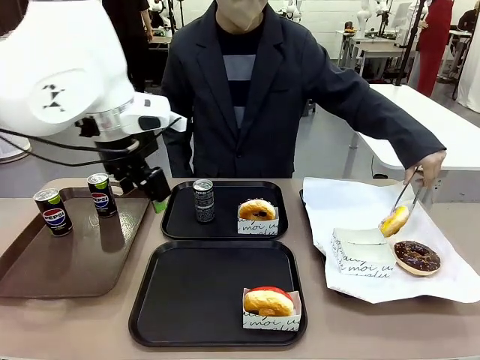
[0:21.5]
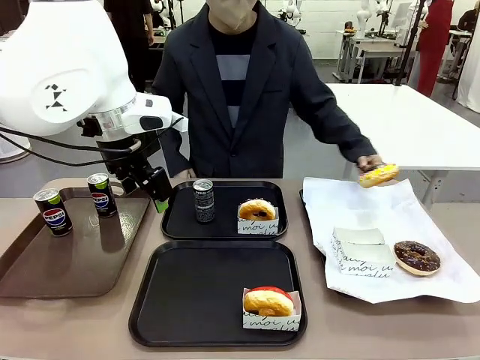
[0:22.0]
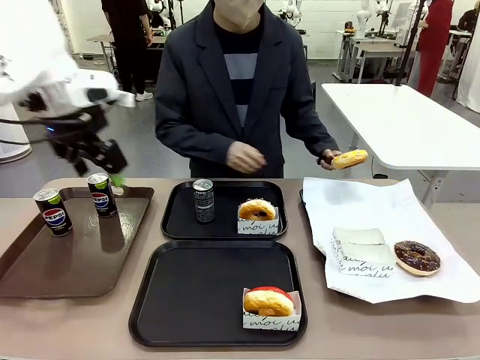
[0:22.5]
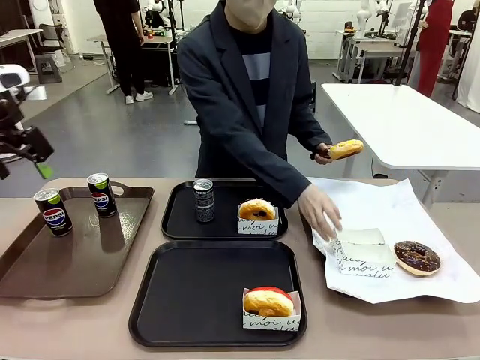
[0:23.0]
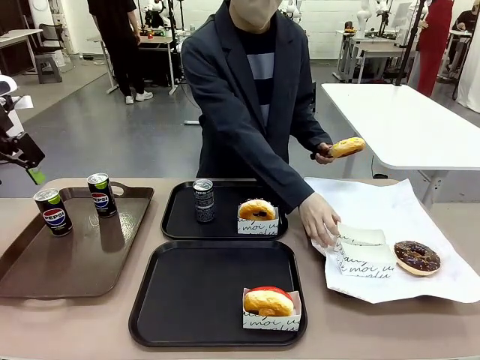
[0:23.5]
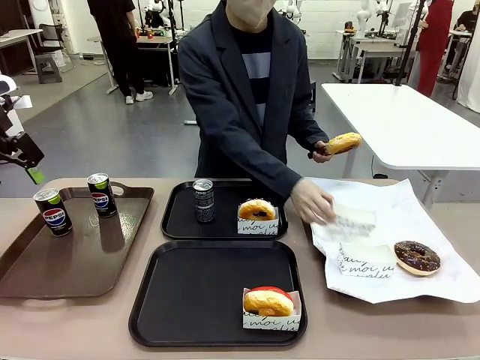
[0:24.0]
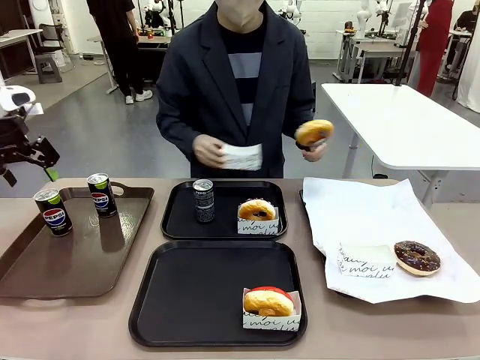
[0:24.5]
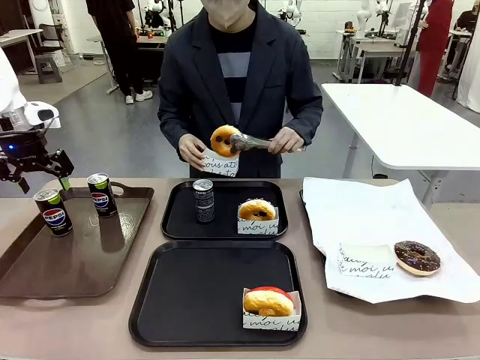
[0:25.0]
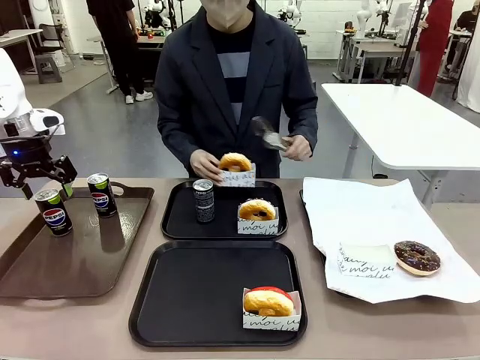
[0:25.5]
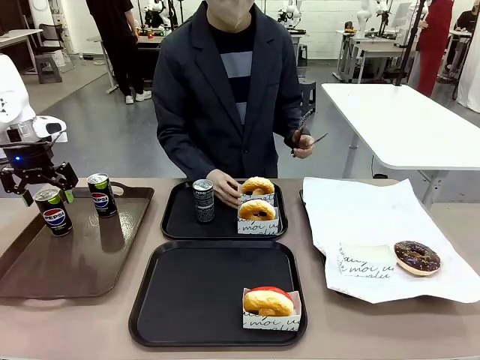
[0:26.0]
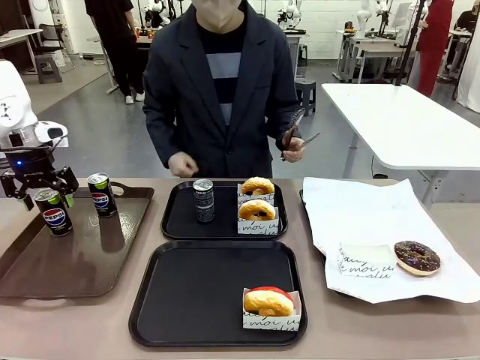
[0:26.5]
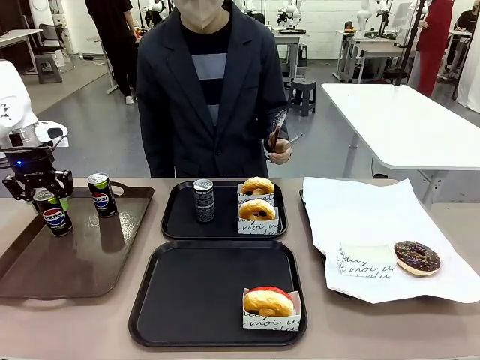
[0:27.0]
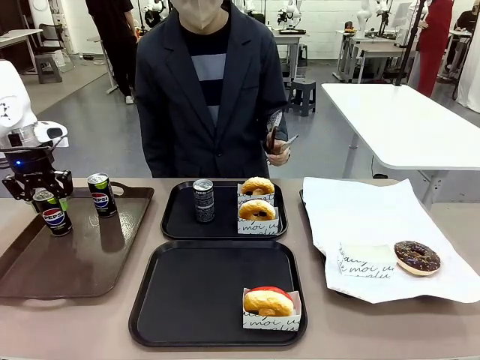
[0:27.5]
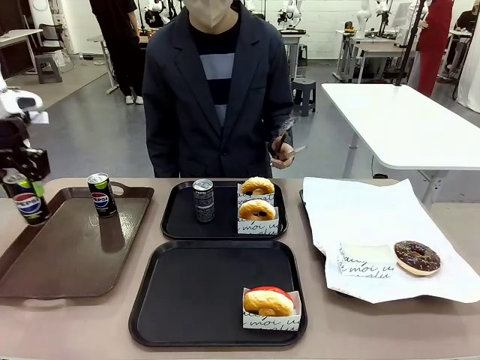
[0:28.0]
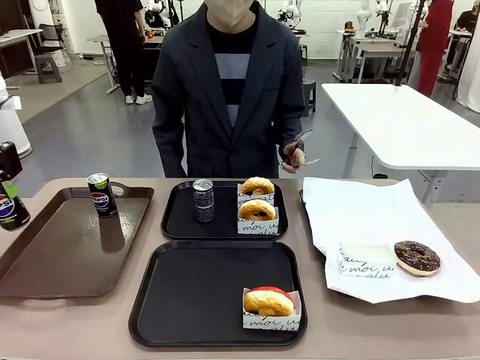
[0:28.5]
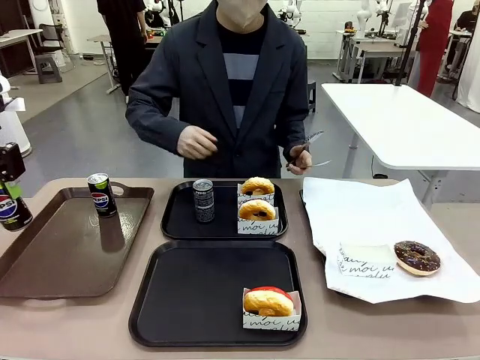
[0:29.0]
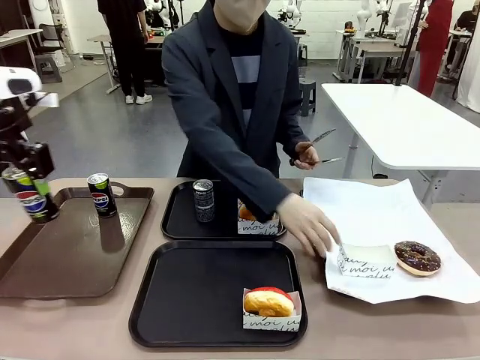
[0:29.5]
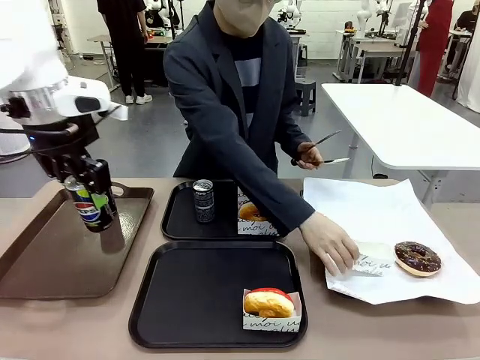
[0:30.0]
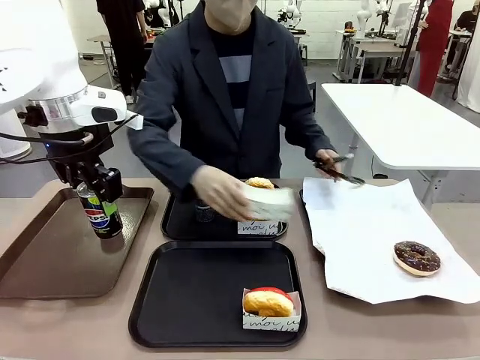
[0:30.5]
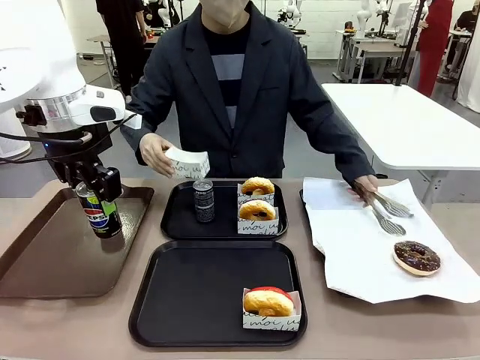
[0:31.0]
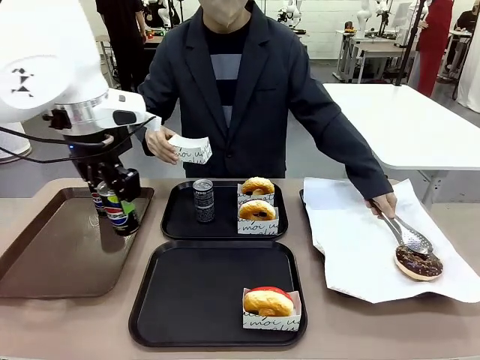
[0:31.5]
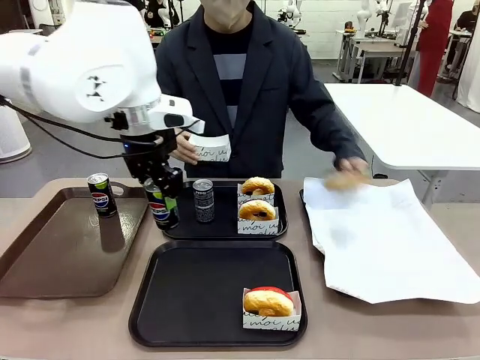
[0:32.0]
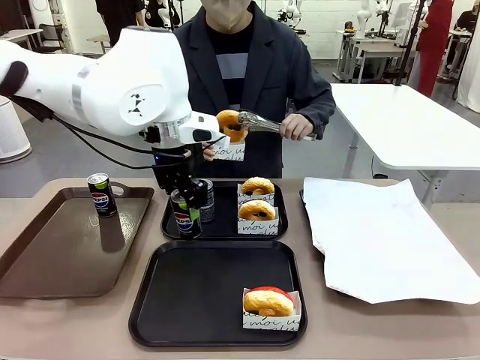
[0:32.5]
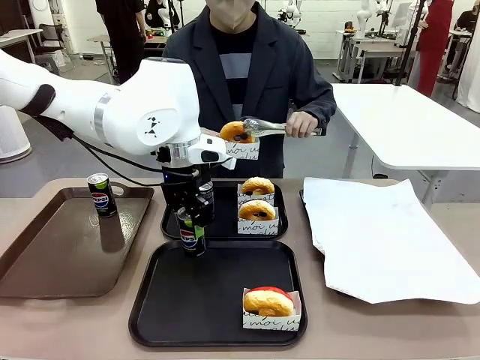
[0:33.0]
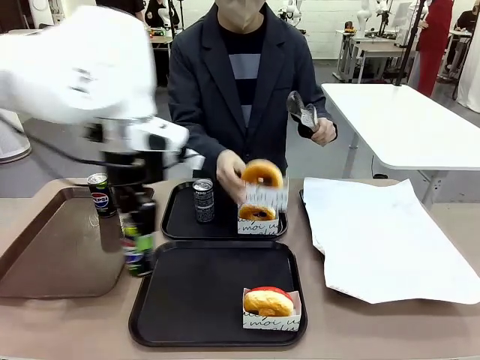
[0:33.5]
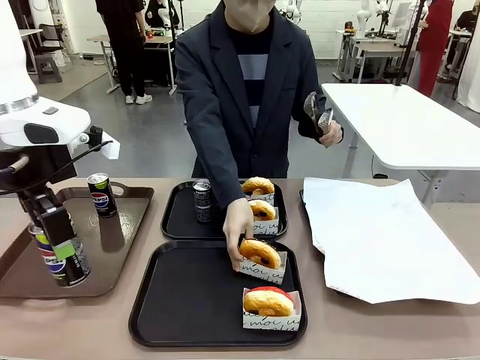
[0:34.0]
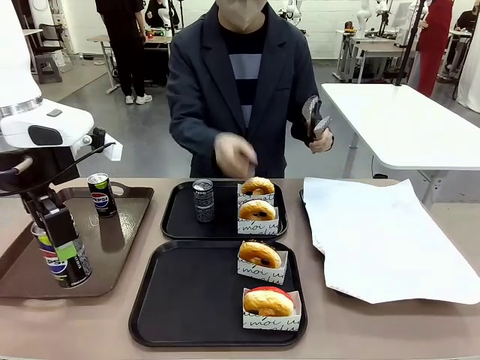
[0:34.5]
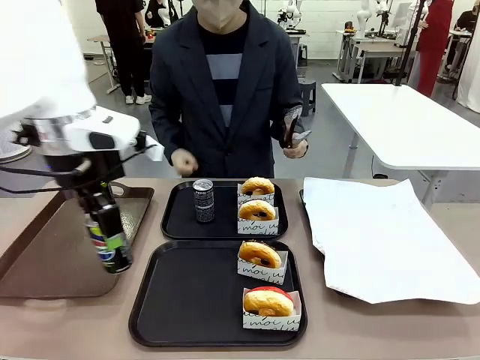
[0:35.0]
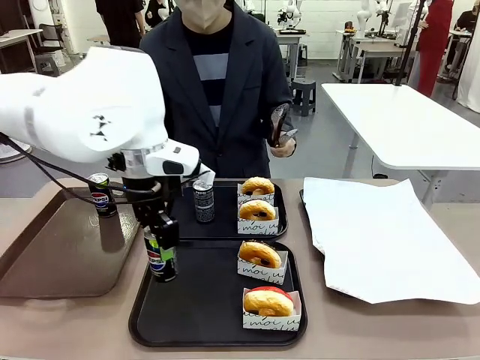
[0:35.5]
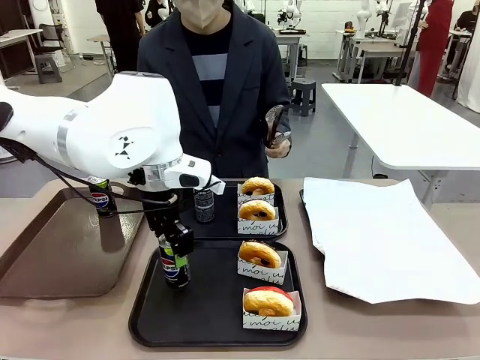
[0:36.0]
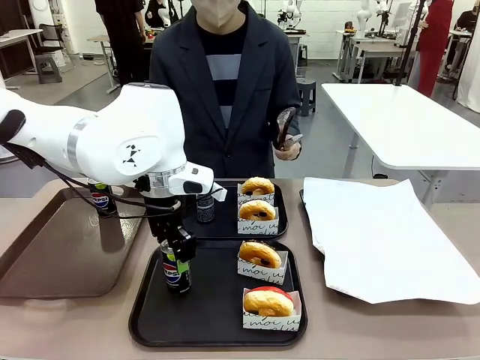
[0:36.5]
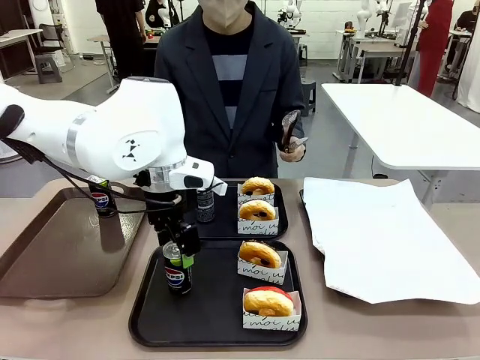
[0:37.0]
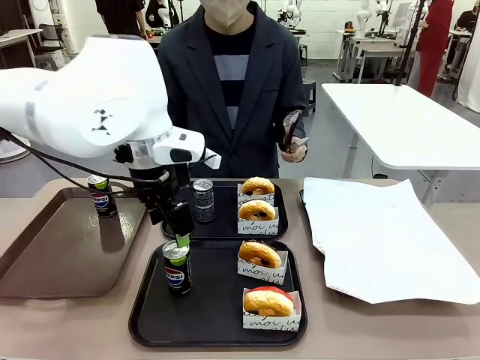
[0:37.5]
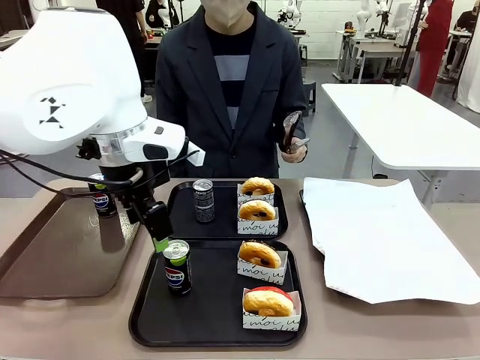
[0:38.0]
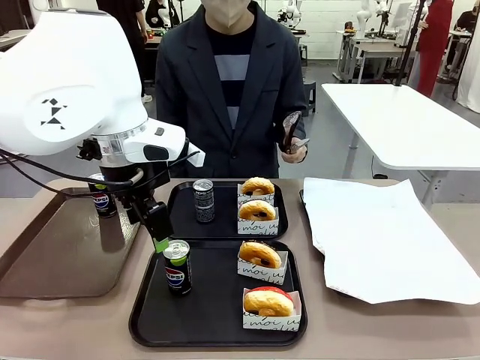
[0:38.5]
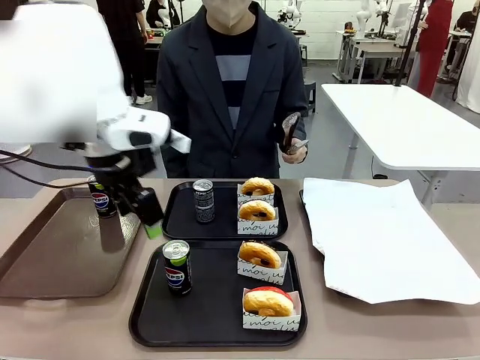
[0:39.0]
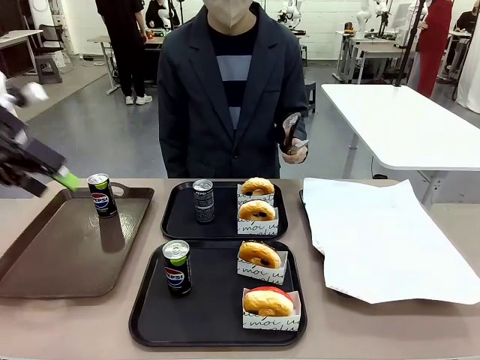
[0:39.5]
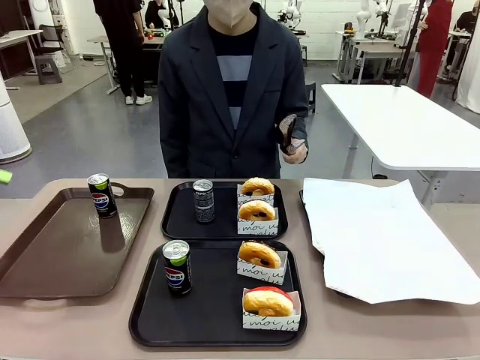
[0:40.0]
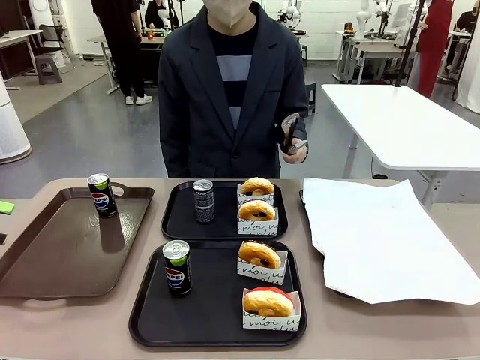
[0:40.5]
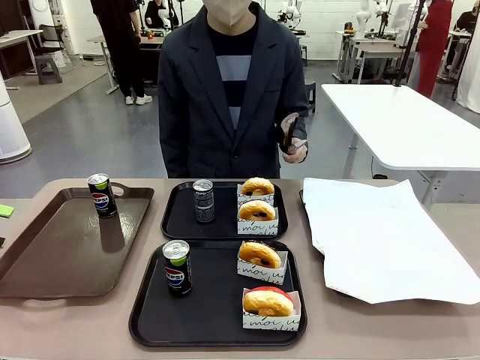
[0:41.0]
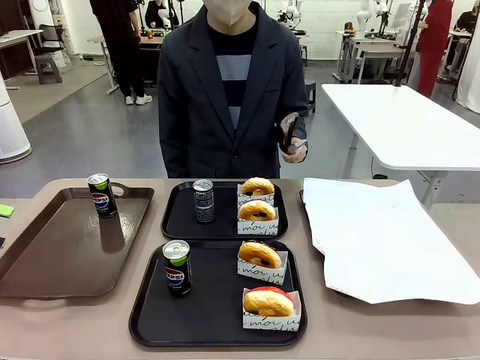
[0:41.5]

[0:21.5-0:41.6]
Task: Set up donuts and drinks on trays.
Robot: Pick up one Pepsi coke from the Handle tray and place it on the Flat Tray without a Pepsi coke.
